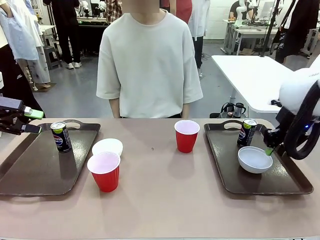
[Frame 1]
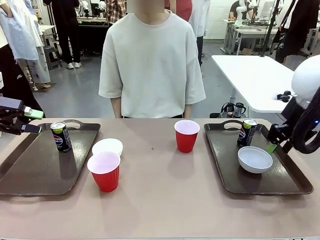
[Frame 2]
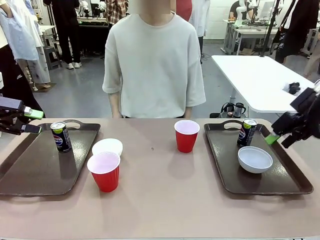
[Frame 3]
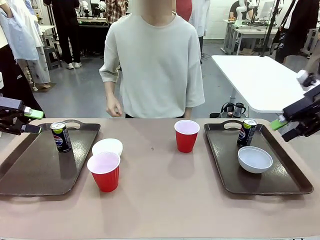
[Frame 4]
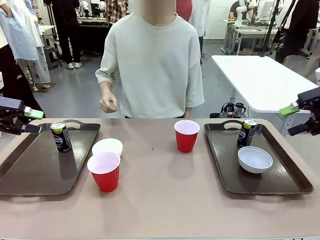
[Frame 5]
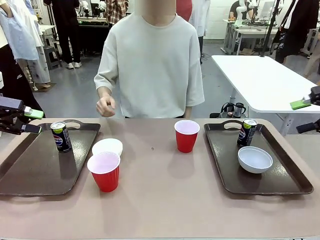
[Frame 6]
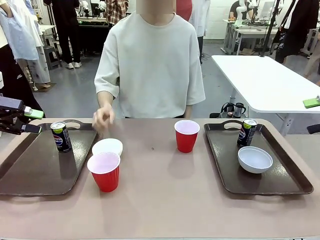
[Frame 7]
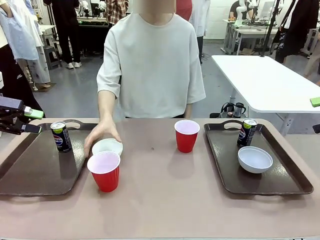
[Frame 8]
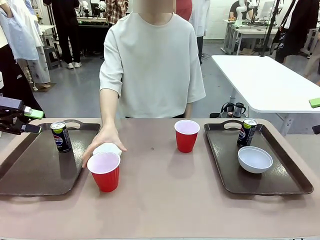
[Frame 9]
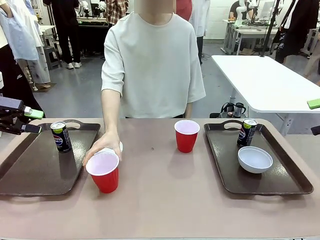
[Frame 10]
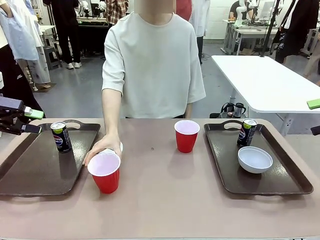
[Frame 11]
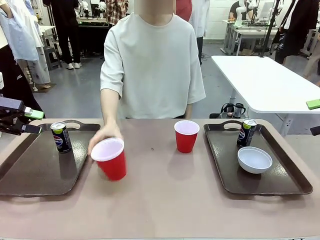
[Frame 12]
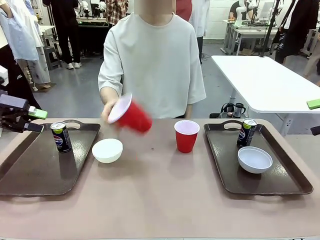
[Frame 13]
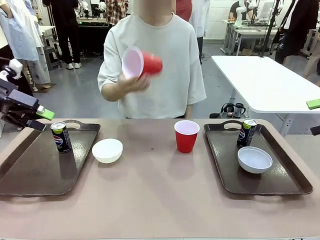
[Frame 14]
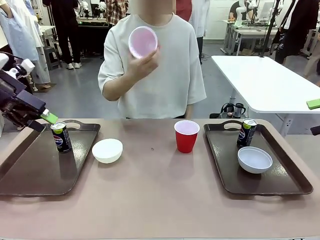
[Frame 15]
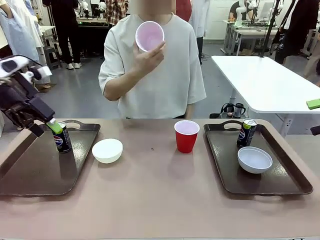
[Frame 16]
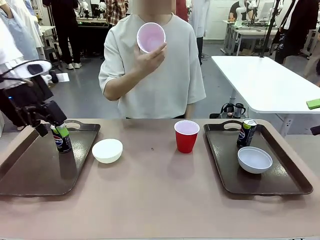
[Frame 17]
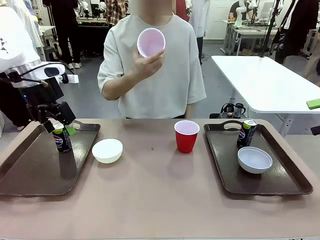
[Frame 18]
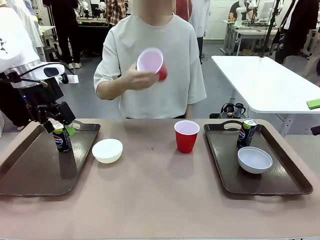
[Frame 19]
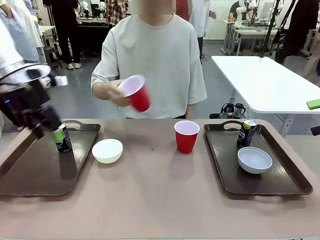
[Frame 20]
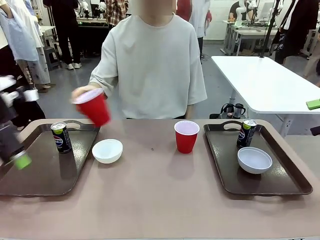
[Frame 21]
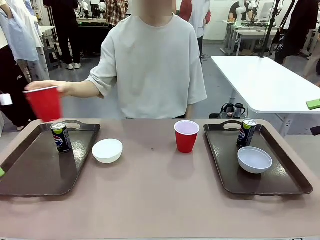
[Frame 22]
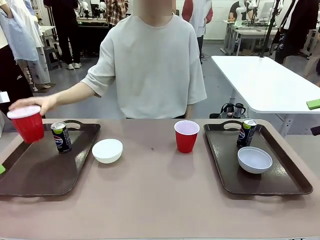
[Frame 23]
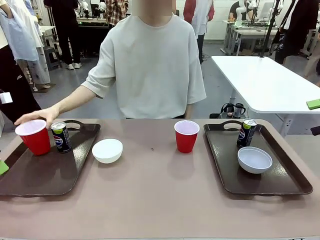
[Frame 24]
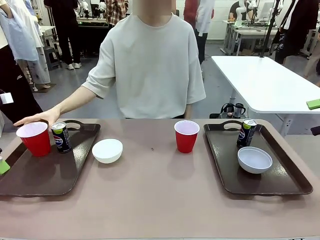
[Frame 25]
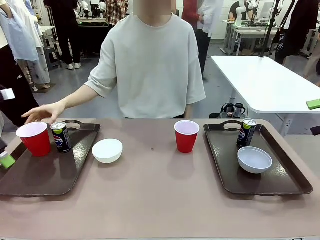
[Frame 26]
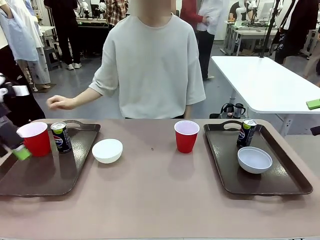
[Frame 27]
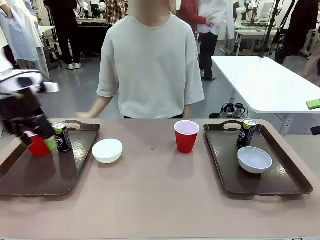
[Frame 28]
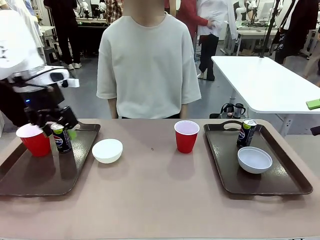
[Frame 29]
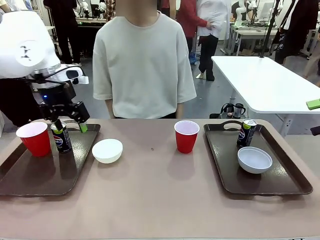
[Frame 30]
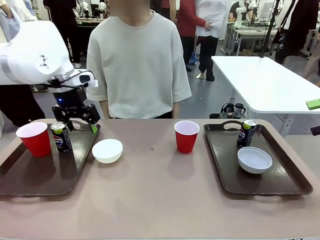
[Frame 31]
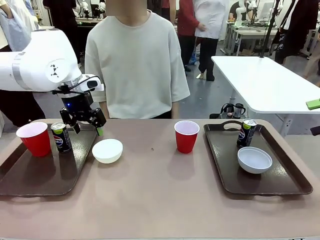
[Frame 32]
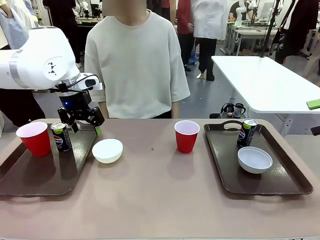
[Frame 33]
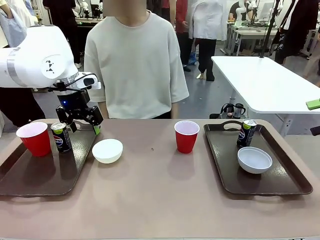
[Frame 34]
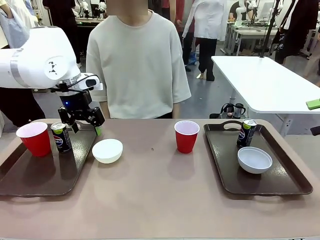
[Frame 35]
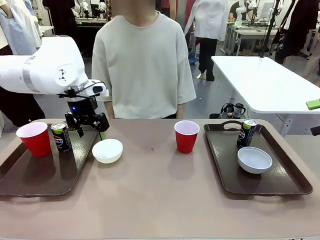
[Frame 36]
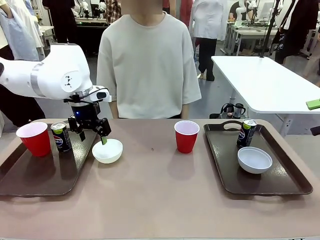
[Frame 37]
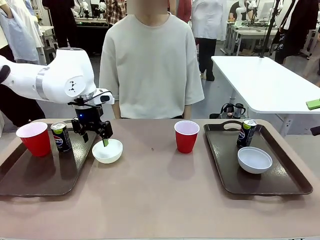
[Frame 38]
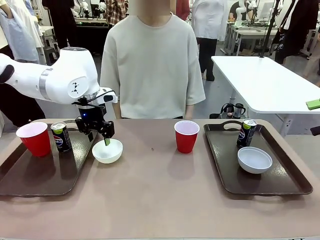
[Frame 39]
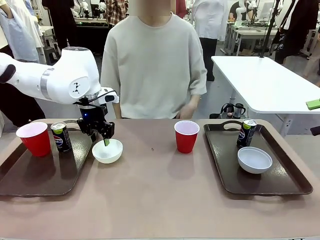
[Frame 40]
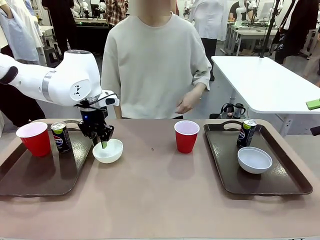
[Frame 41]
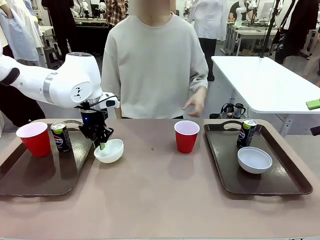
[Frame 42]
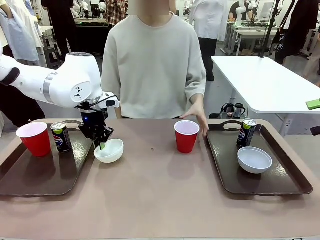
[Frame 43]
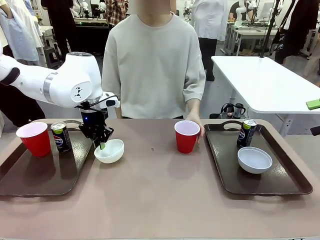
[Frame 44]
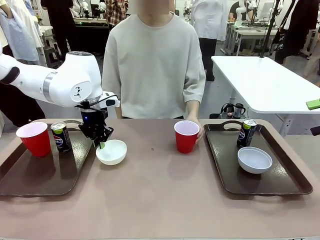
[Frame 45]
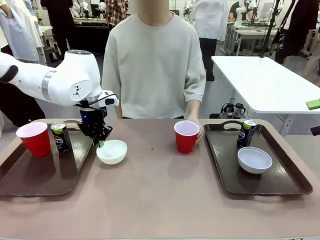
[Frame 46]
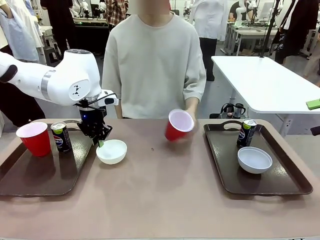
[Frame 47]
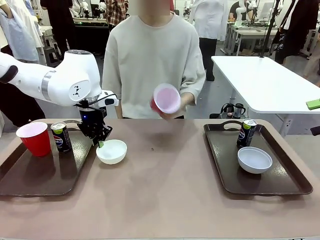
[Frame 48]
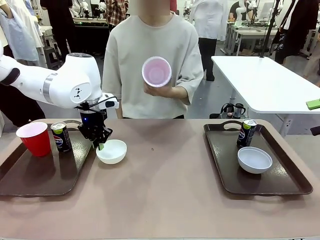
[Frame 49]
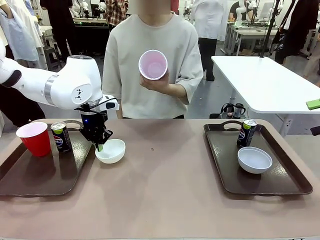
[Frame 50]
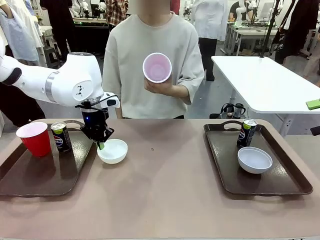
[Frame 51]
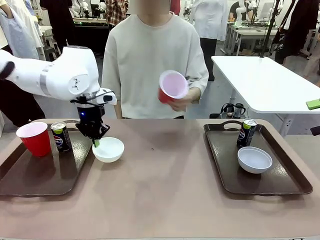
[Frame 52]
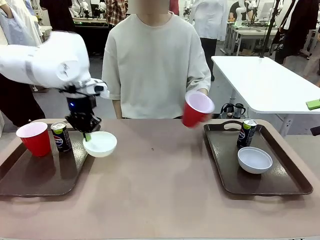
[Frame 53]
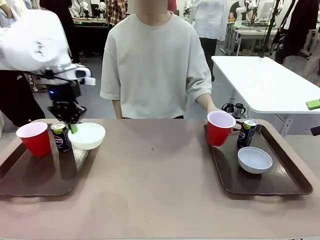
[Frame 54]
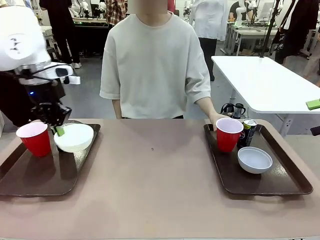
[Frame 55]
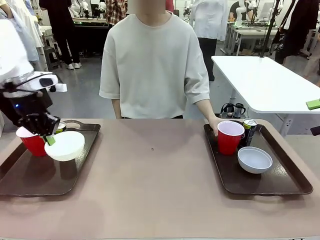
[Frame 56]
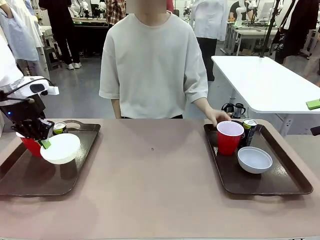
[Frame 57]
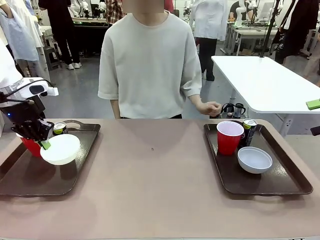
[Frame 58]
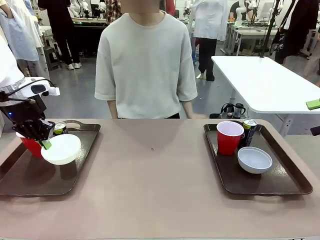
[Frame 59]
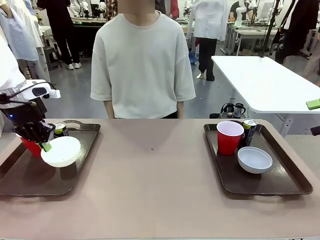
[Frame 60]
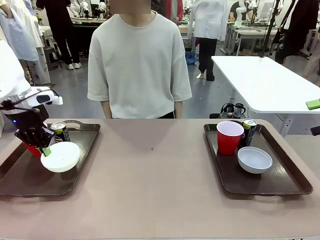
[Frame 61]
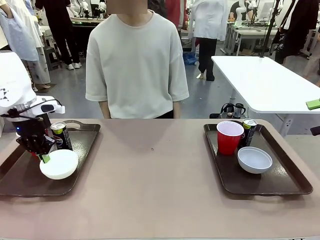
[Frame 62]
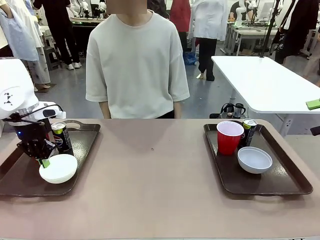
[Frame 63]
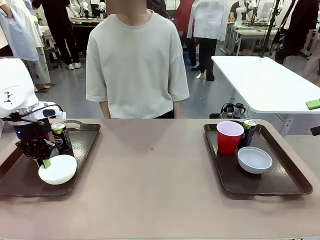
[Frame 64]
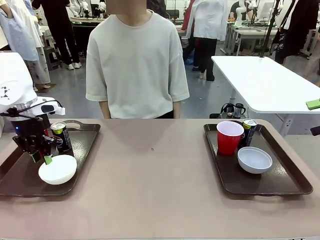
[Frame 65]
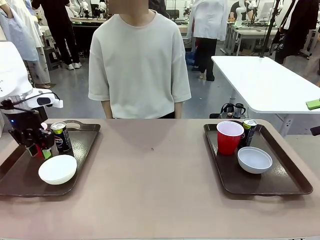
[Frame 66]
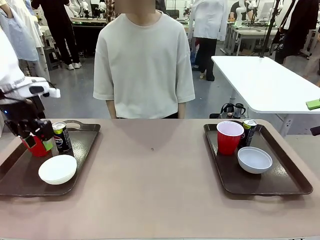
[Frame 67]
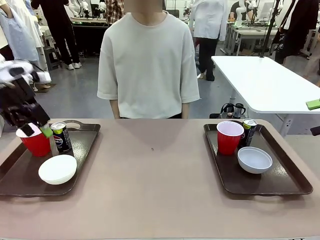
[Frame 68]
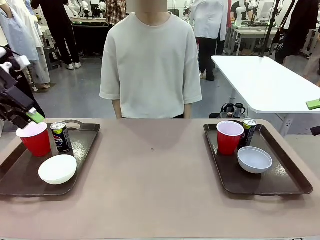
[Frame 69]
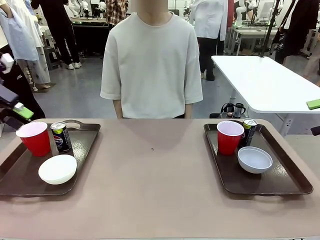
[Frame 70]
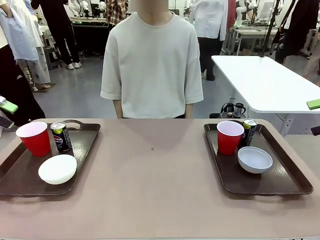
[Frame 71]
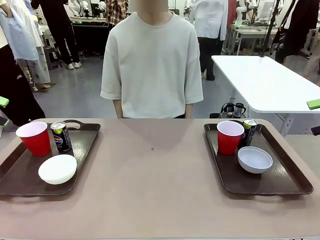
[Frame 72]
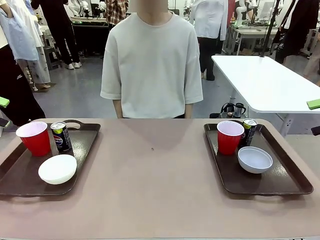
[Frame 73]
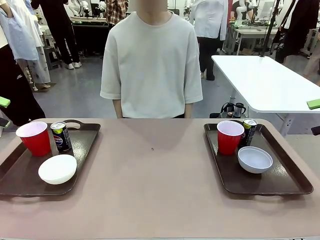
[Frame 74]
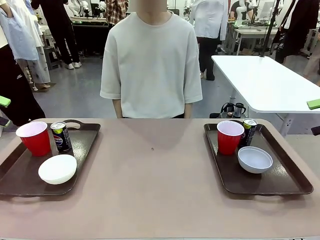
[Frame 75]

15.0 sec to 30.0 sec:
Task: Prepare tableware on both trays.
Robot: Pick up a Picnic Bowl from the table and place it on a Handle tray.
Person: Pick up a can or cup and place it on the tray without a can or cup.
